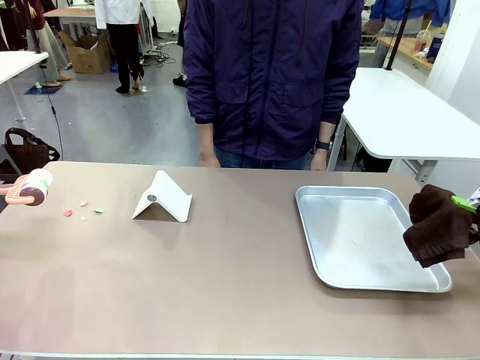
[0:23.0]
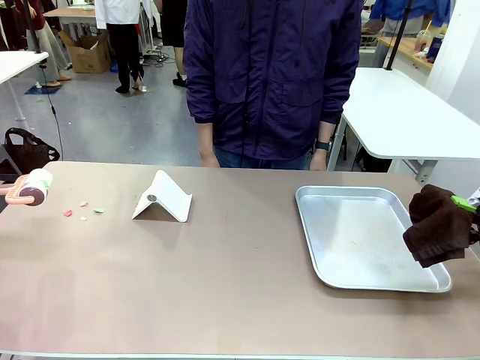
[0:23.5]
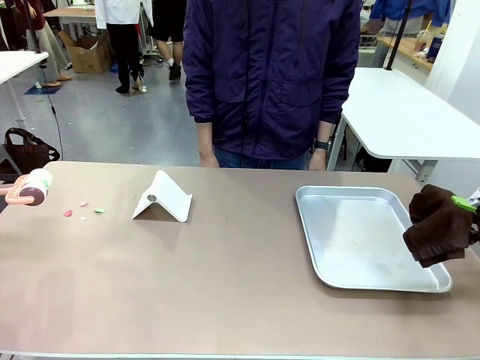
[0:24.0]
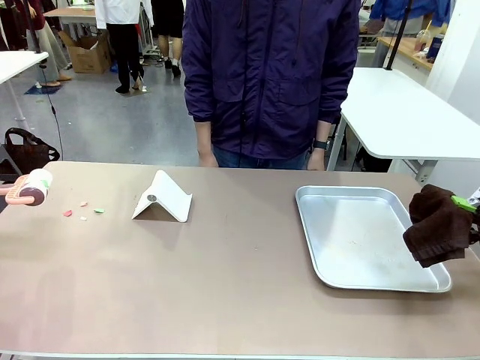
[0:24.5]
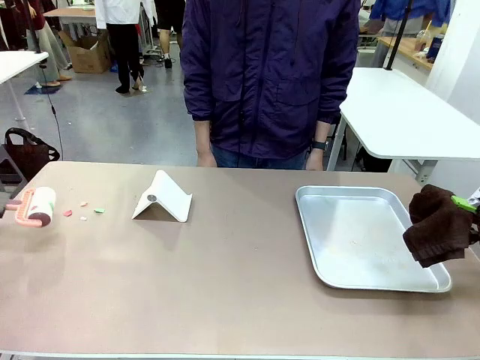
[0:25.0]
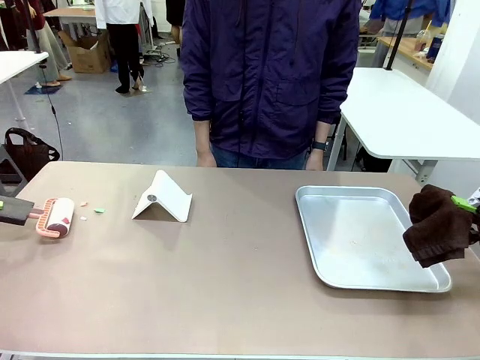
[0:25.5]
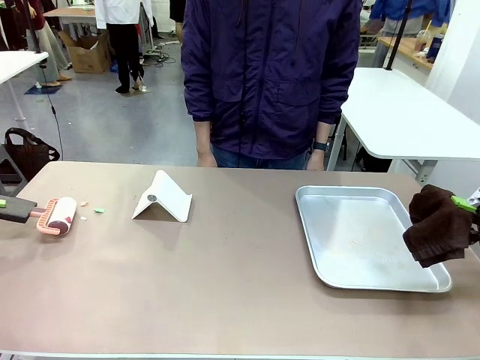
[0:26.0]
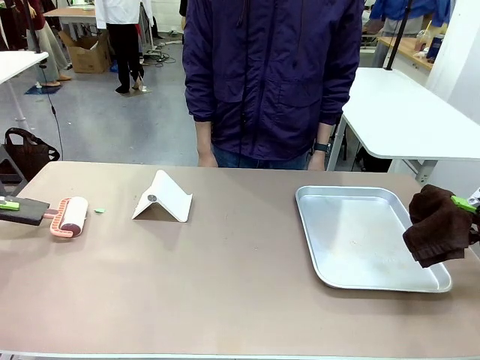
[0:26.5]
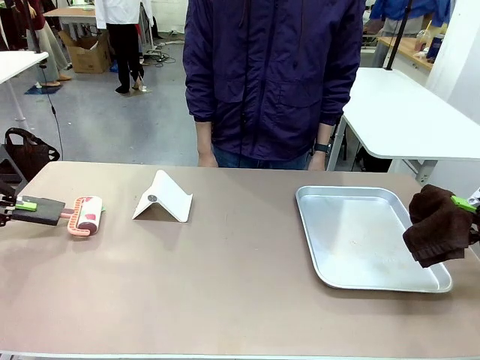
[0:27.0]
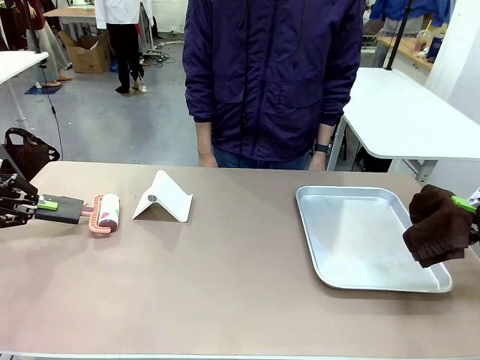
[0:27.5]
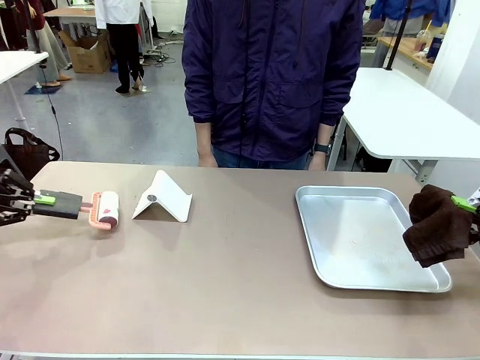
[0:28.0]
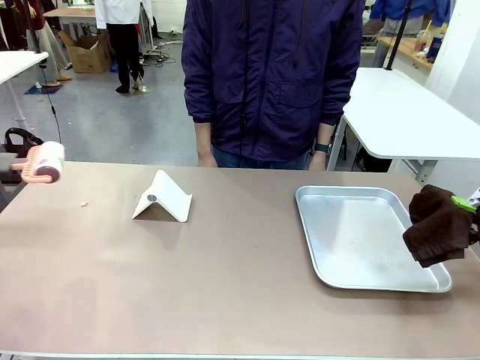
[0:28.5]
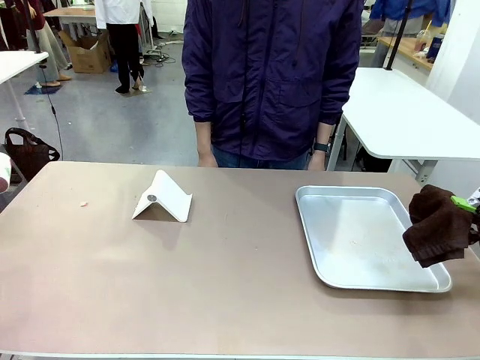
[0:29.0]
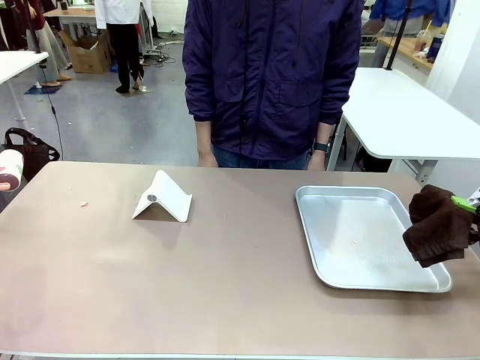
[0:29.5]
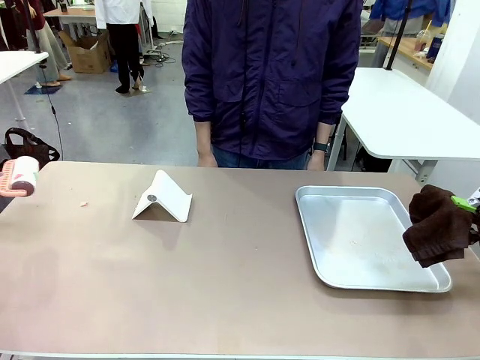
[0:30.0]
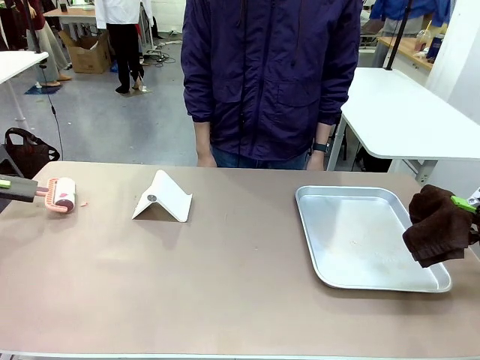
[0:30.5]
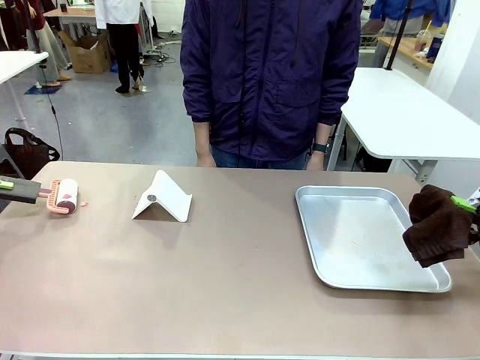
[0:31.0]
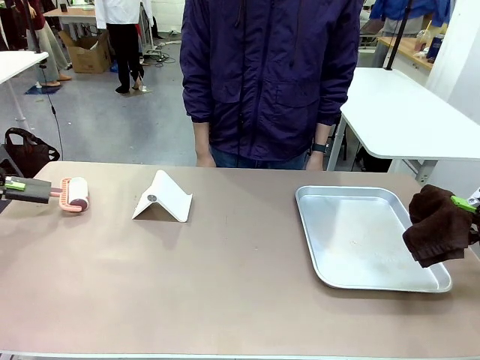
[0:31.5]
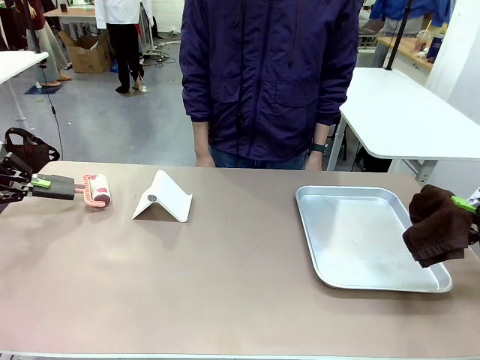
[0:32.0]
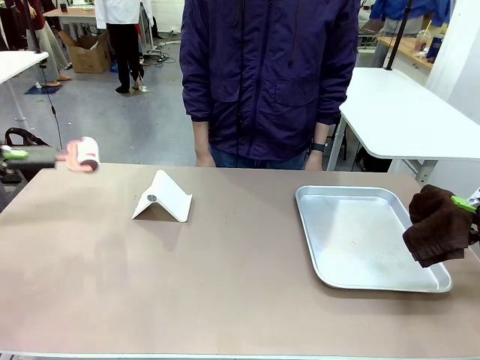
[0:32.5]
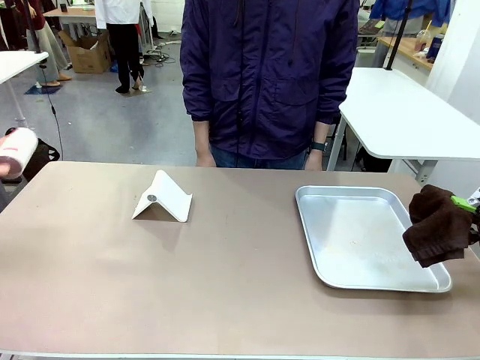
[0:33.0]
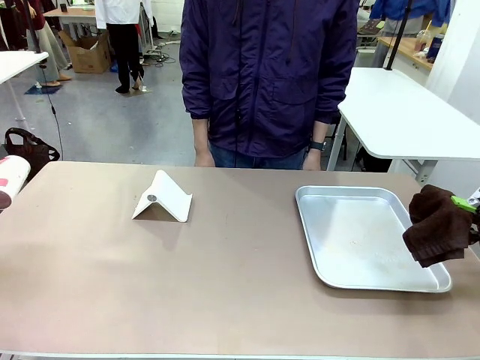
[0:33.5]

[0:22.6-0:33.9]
Task: Clean the surface of the table.
Robot: Clean the area not pointed to by the person.

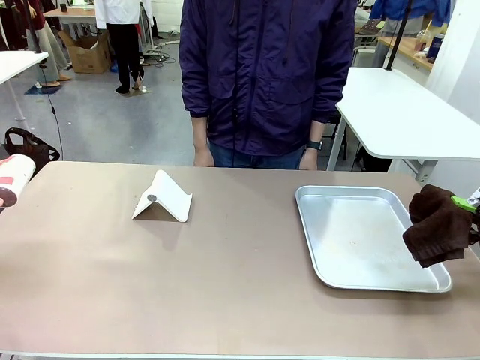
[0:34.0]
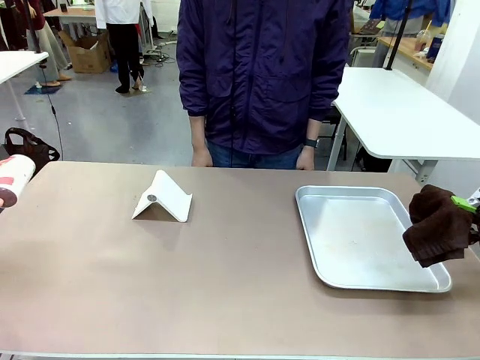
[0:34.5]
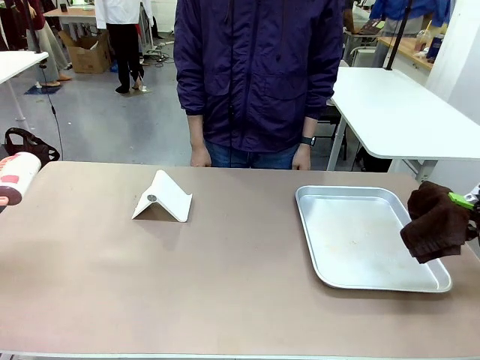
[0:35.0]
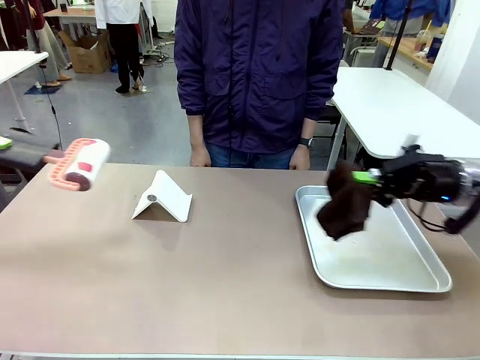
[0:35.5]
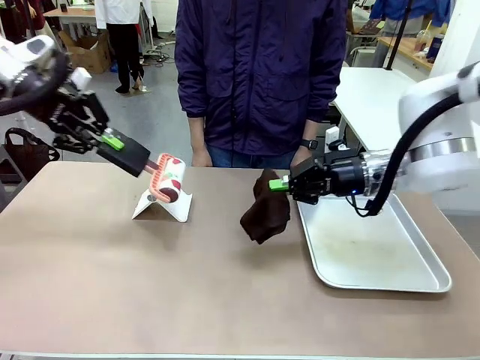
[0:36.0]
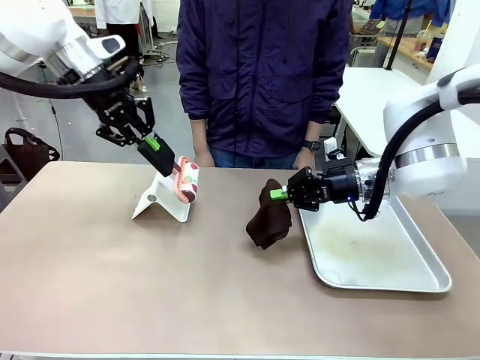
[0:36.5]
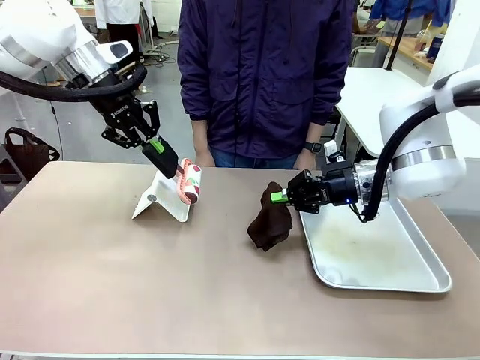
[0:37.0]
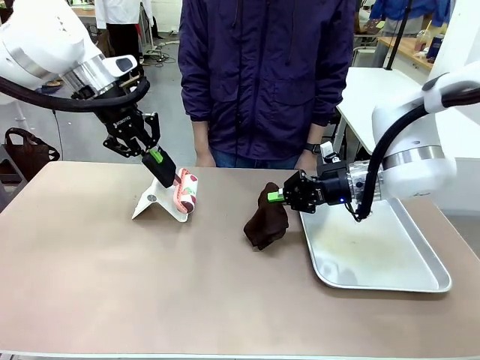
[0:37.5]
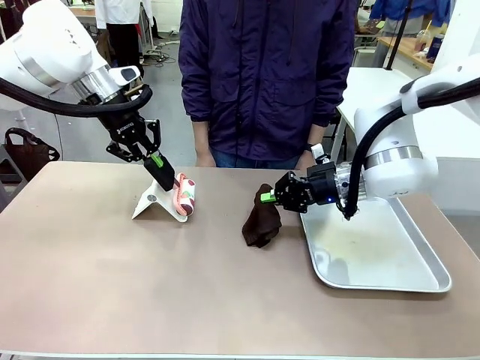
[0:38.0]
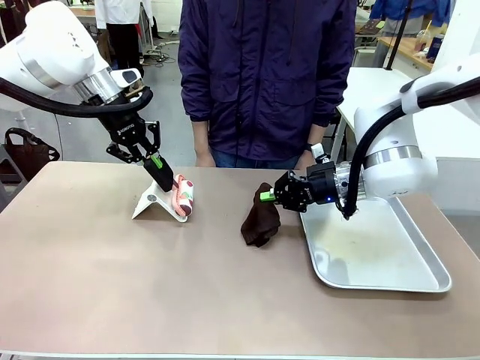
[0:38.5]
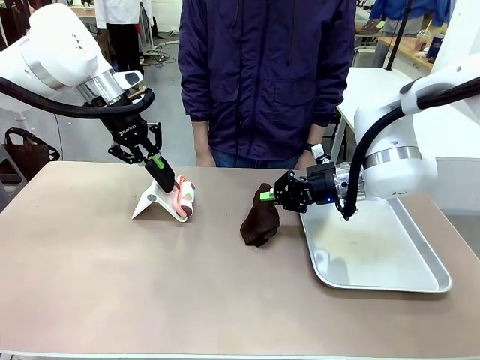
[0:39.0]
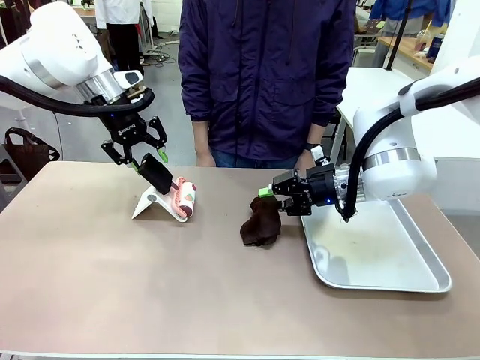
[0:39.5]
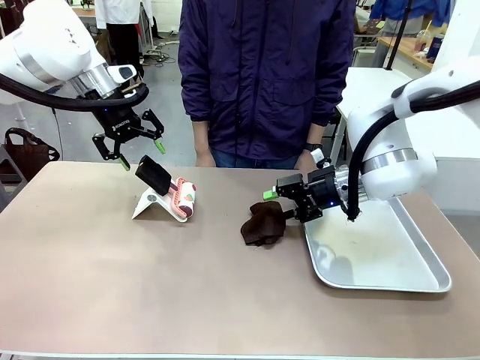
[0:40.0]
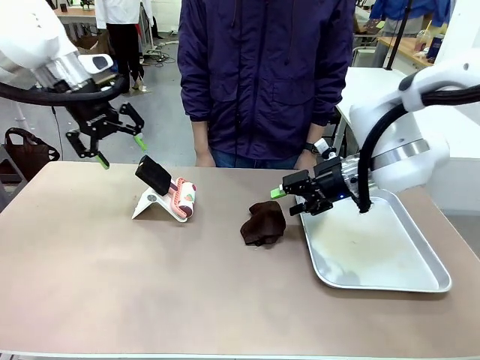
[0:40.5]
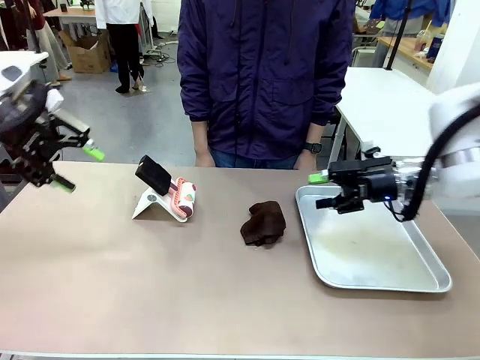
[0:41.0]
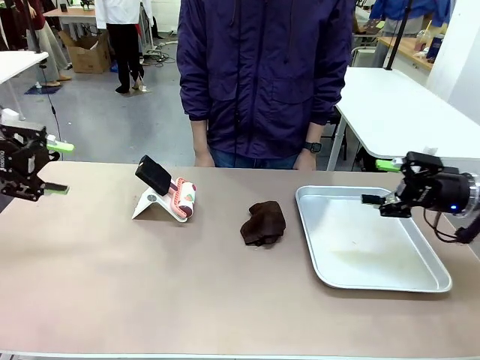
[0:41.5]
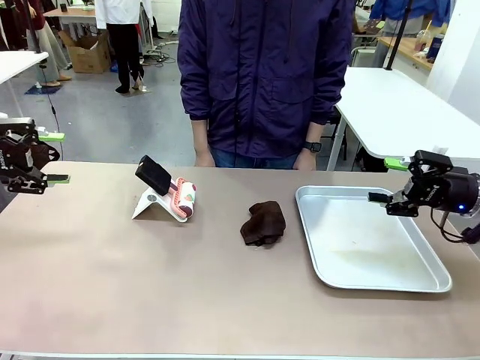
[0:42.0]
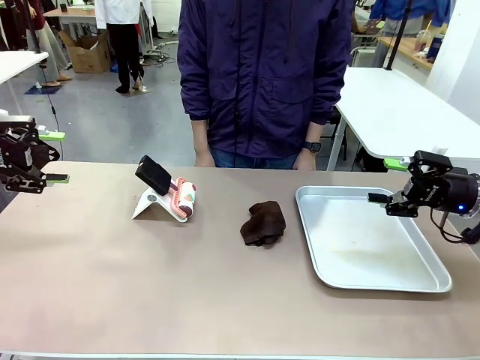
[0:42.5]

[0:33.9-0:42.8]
Robot: Return the Lint Roller and towel to their original positions.

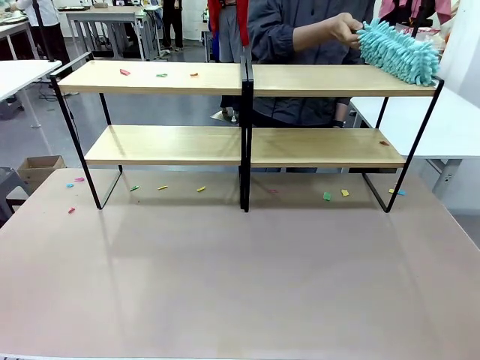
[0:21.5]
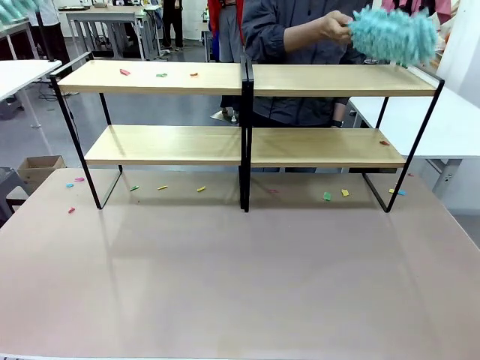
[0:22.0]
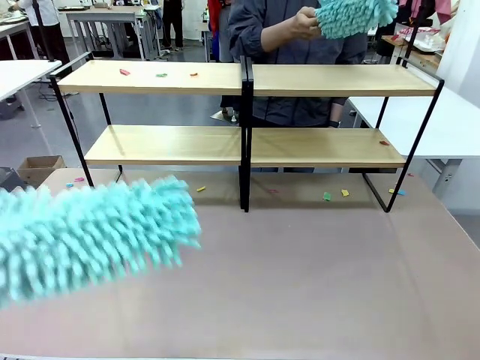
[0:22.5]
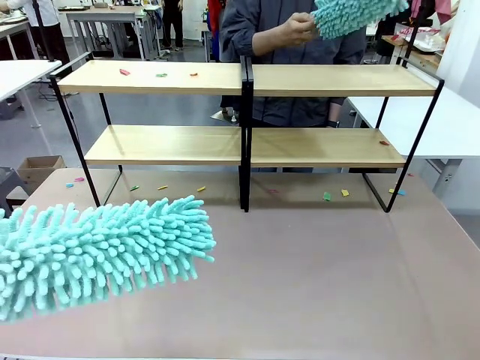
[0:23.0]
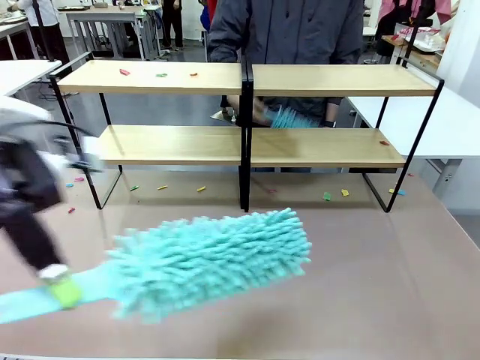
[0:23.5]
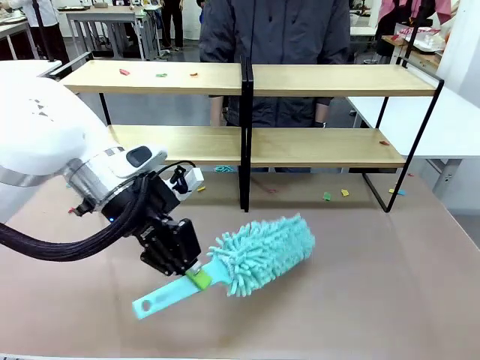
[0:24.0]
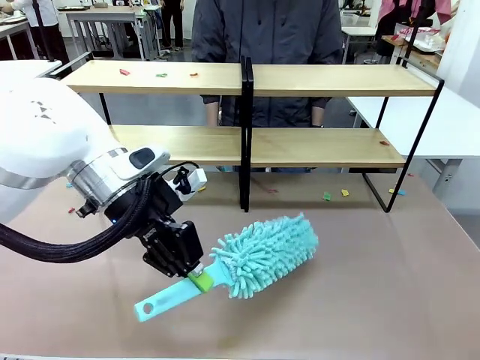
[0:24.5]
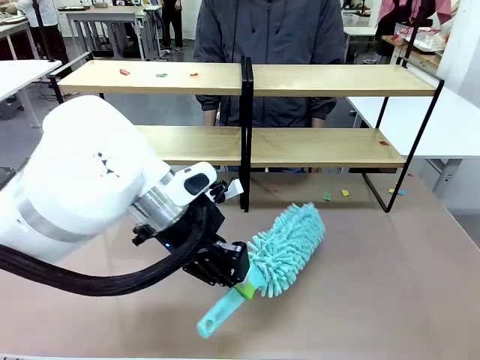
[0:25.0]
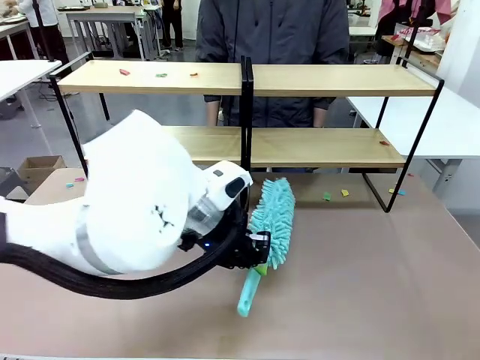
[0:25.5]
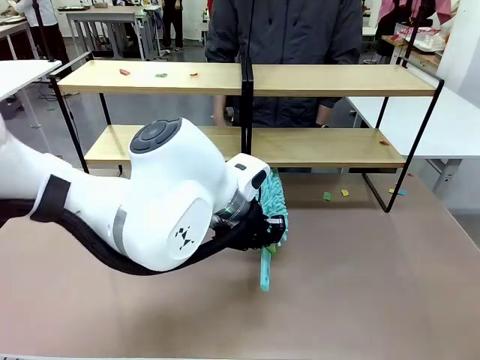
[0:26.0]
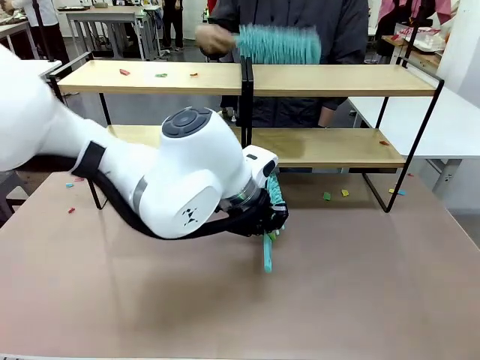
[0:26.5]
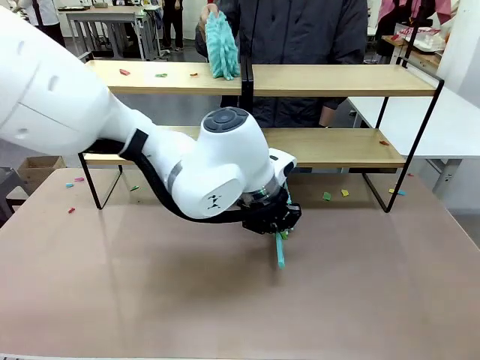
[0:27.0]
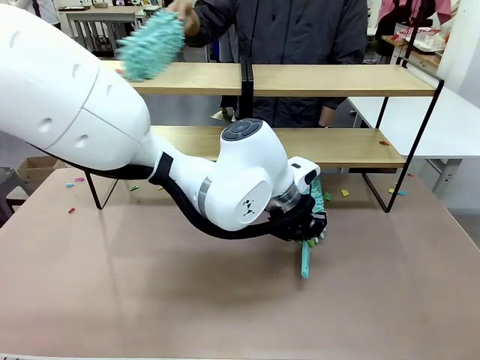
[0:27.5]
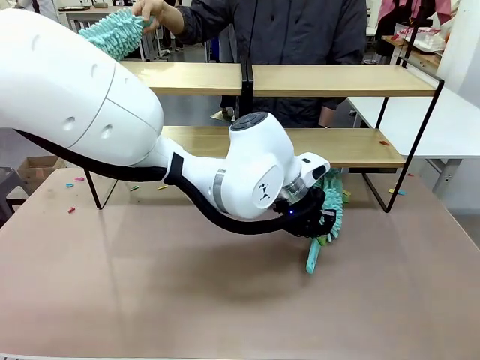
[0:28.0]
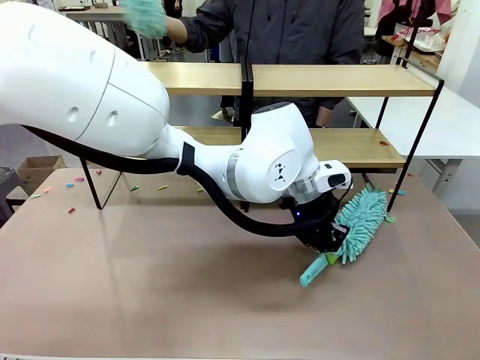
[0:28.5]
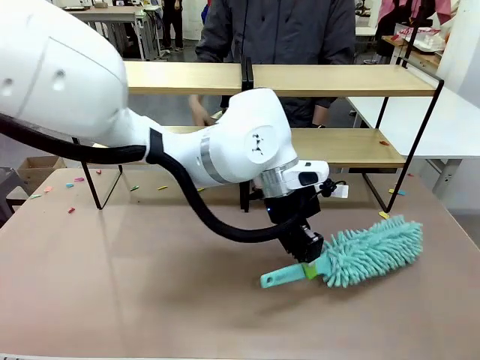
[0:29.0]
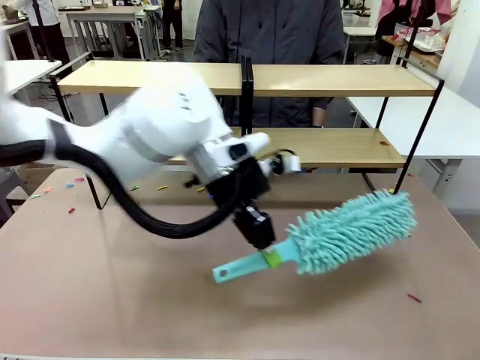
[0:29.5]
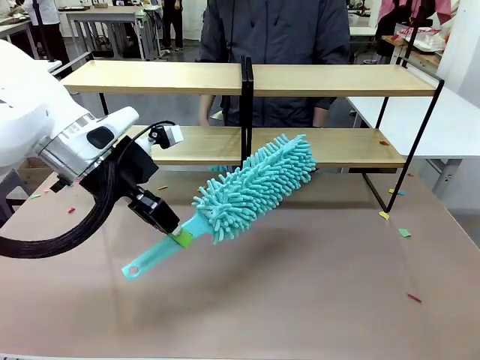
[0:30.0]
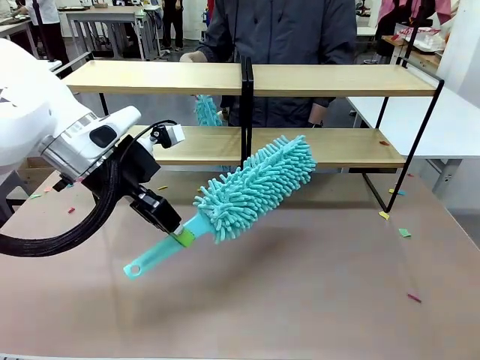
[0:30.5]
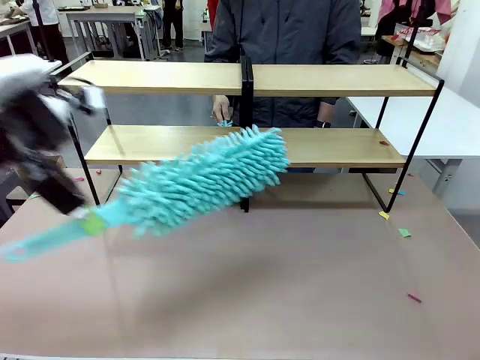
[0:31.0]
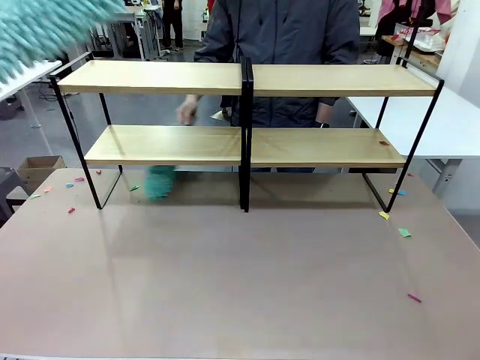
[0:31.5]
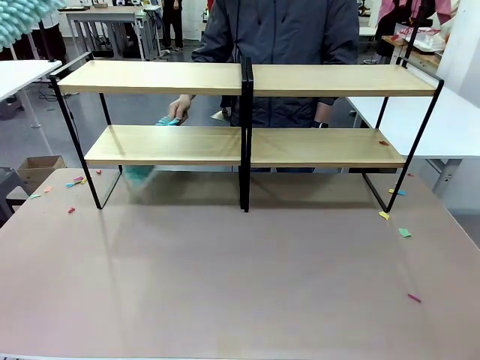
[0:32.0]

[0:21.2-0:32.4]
Task: Clean the shelves.
Robot: Clean another randomly selected level of the Shelf with the Duster.
